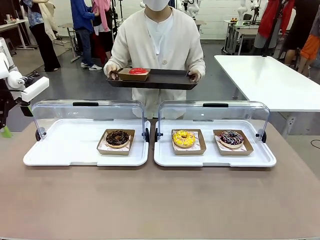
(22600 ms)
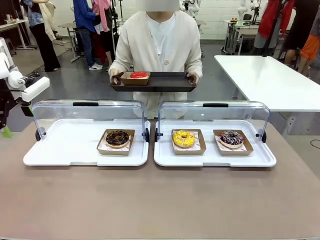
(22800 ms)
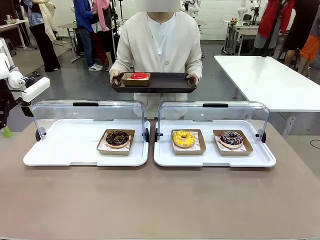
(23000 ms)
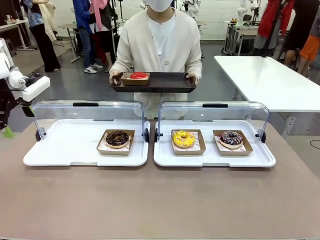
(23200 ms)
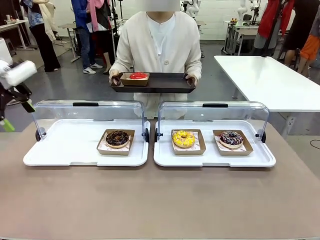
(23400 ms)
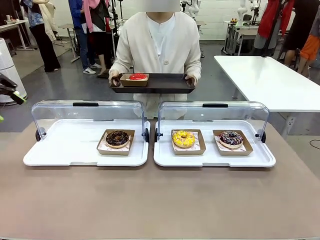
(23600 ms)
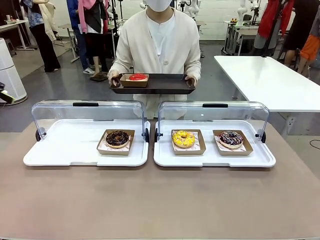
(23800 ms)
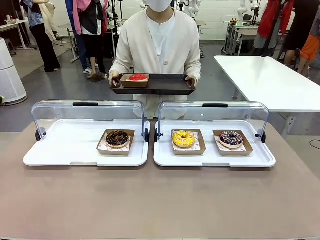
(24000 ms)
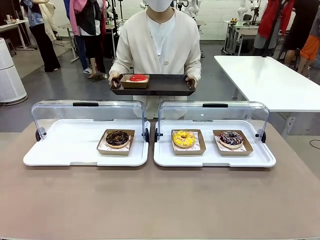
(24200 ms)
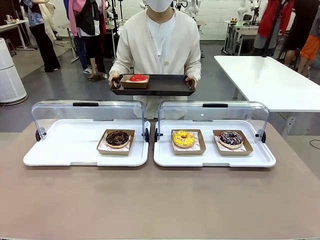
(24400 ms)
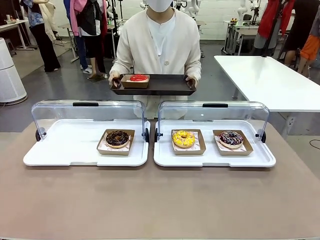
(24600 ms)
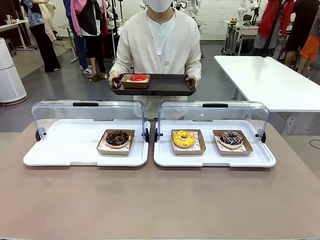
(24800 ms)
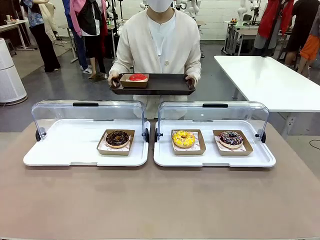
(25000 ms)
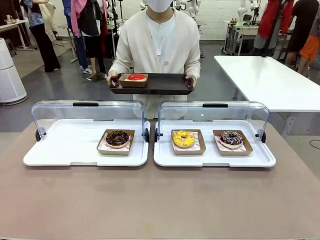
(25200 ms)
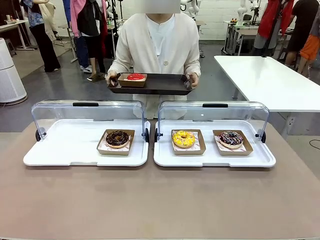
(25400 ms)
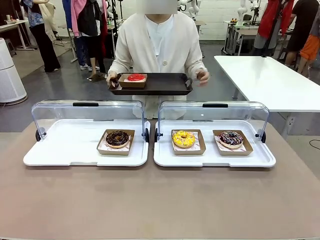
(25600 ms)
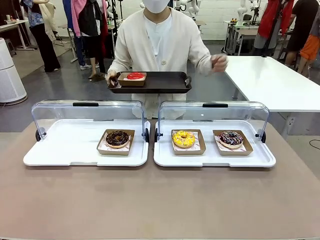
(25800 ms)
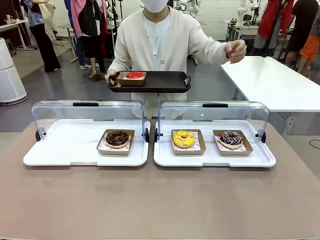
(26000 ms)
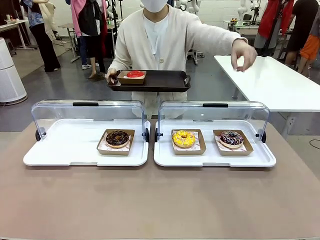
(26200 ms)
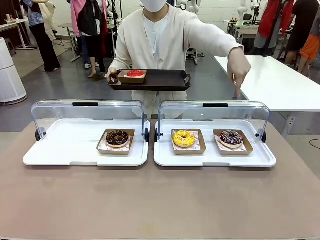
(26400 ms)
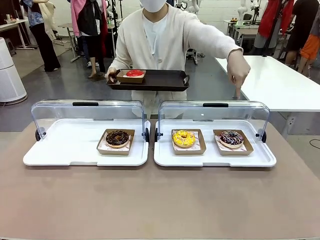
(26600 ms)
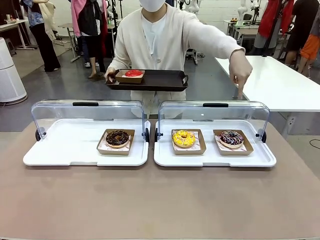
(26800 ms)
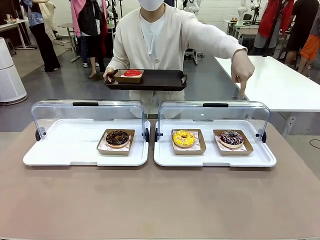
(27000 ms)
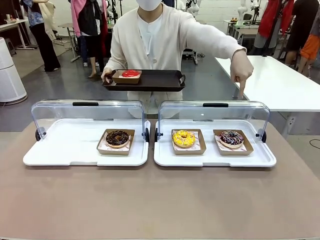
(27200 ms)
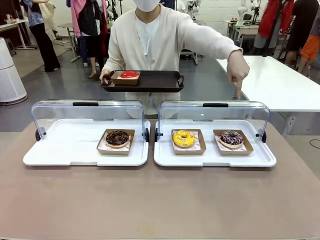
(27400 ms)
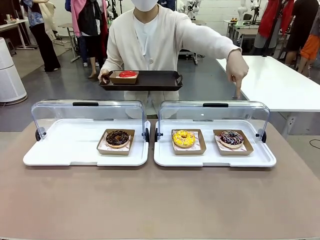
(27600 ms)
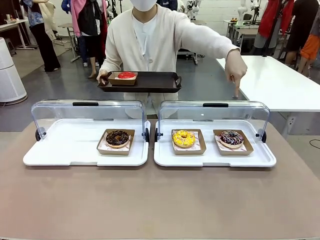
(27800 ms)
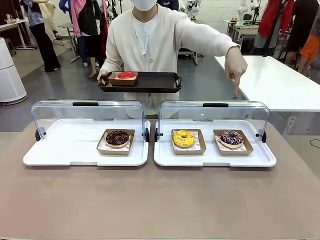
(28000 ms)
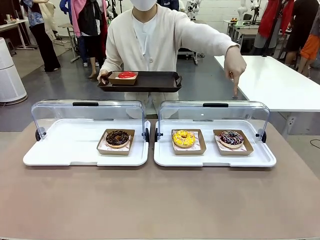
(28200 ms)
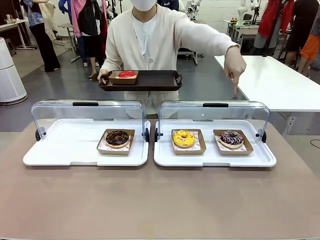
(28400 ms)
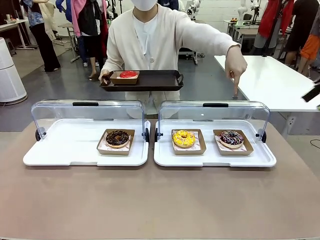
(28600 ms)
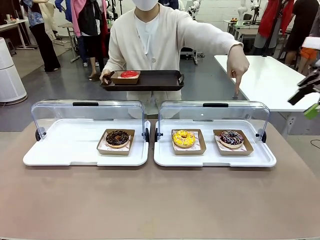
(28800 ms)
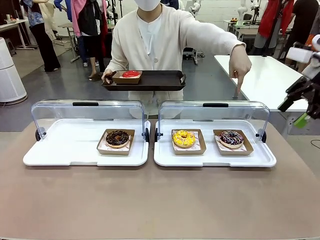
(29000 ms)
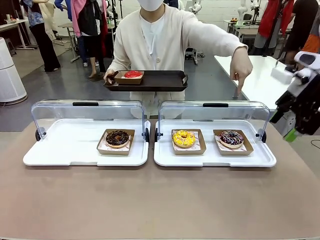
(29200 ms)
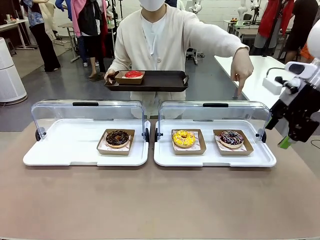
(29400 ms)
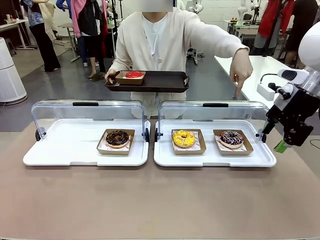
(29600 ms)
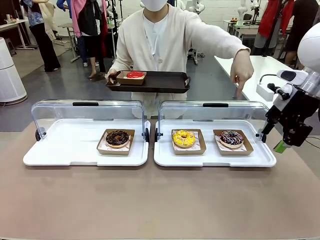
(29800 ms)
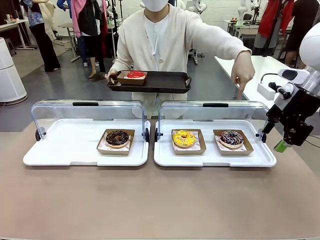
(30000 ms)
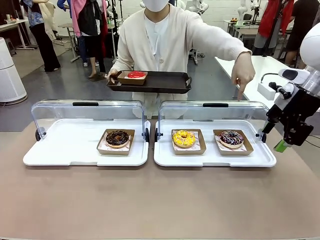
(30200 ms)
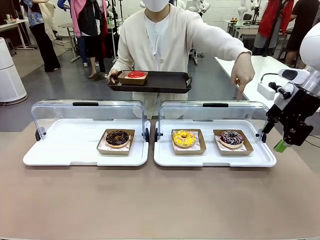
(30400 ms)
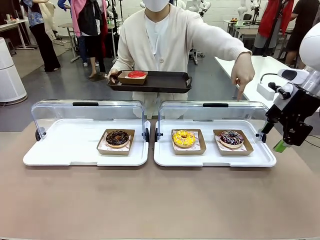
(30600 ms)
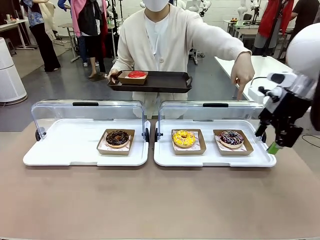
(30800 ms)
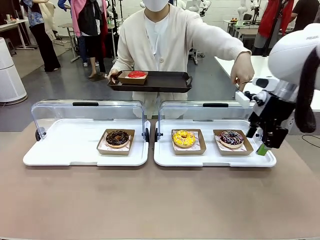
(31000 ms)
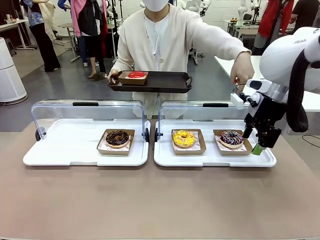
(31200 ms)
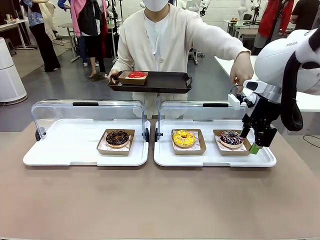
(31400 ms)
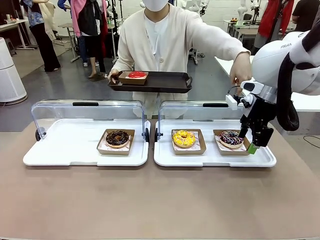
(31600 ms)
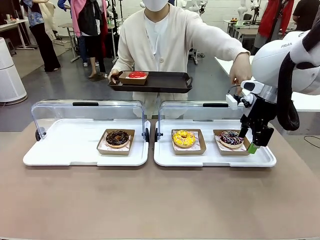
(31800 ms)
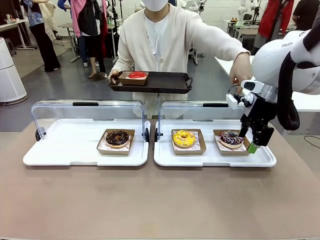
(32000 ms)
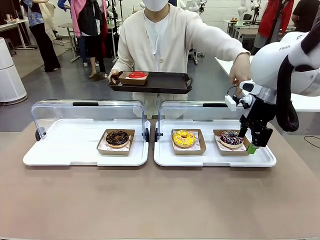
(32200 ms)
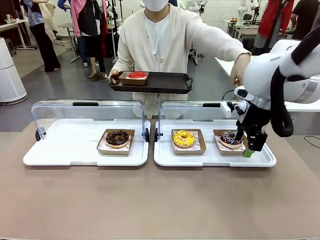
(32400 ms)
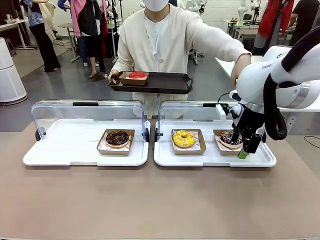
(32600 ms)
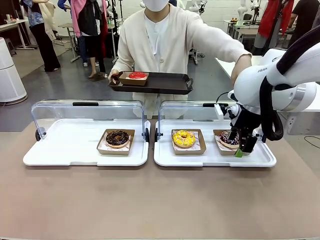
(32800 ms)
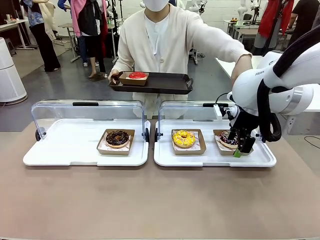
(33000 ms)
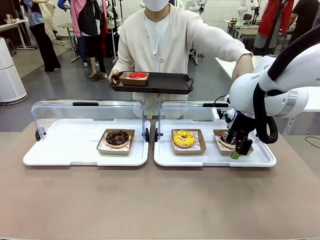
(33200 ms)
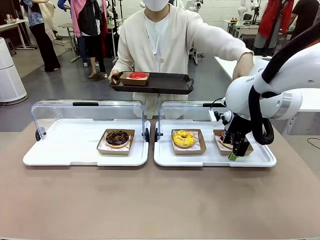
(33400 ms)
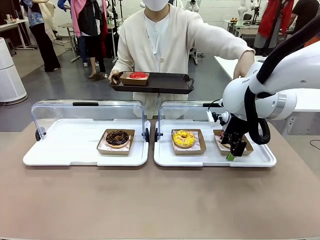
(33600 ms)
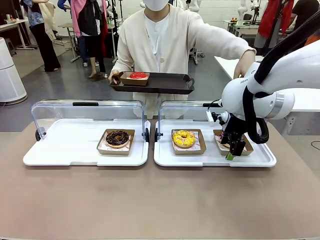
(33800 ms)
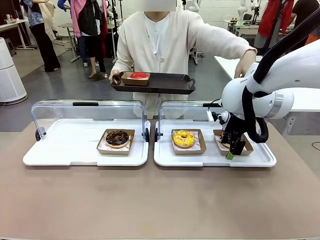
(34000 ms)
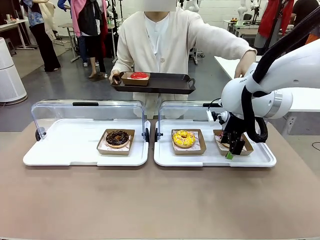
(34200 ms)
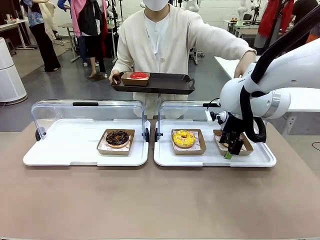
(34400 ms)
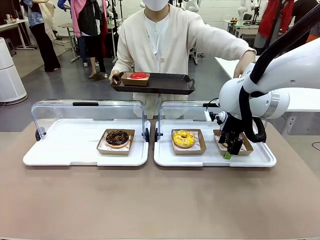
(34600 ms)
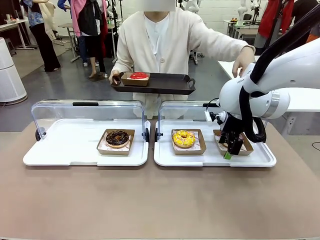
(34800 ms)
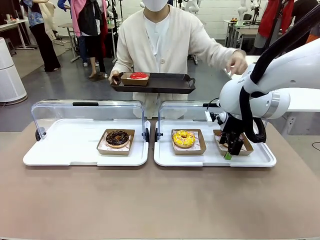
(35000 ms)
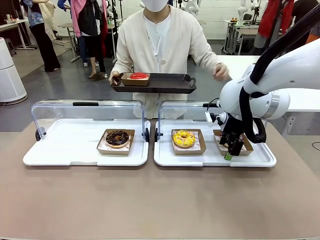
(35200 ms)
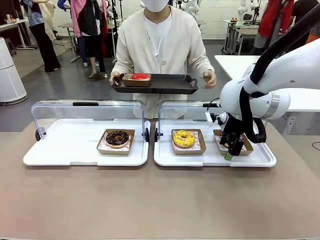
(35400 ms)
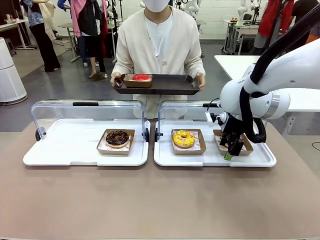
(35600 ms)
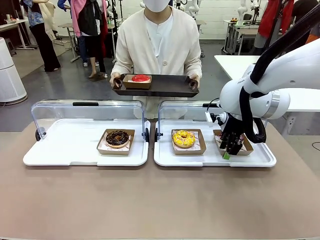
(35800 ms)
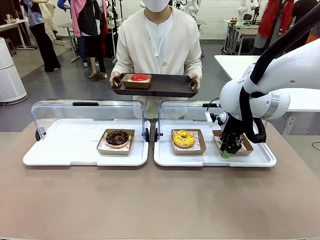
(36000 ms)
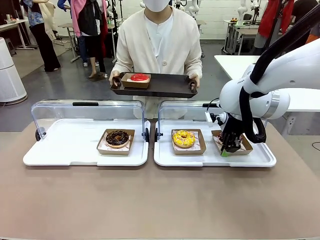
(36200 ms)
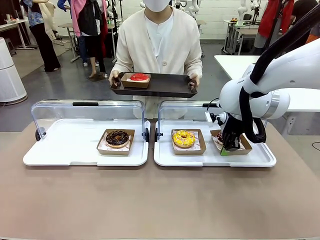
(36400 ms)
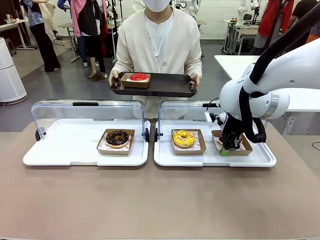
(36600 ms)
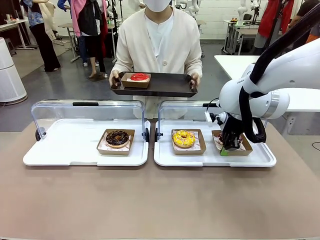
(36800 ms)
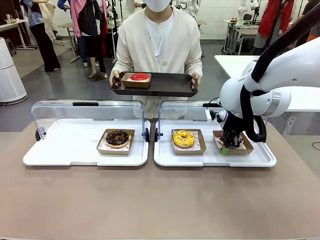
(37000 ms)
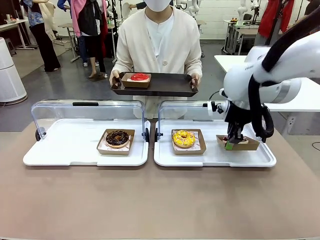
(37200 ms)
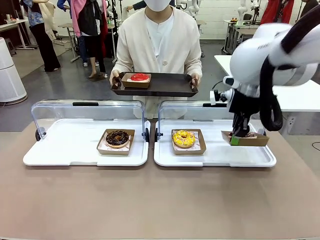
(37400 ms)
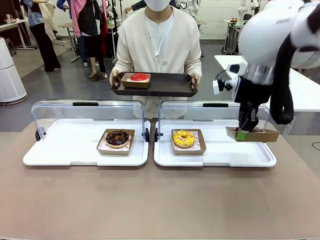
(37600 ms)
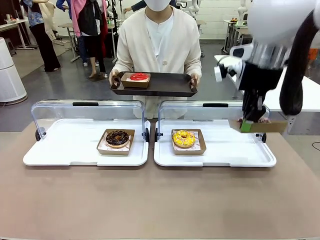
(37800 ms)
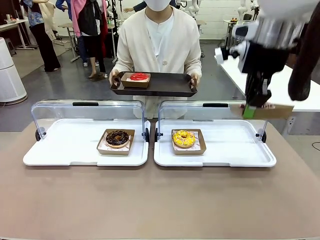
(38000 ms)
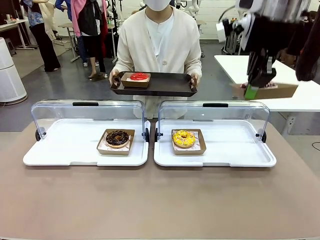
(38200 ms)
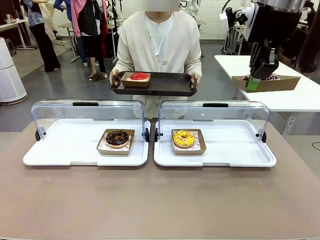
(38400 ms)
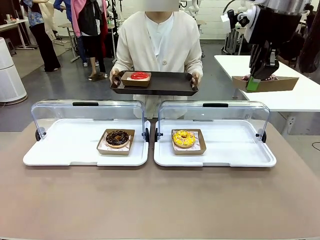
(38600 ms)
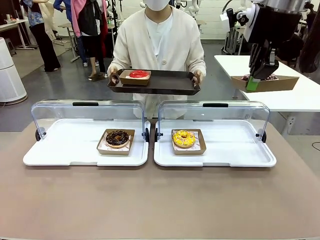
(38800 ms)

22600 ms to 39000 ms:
Task: Provide the desired donut to the person.
Robot: Pick up and lift the Paper togo box containing the Donut pointed at by the person.
Person: Point to one donut. Lift the tray onto the Roll-Top Bakery Case.
